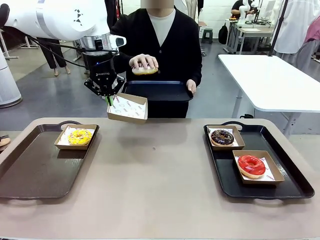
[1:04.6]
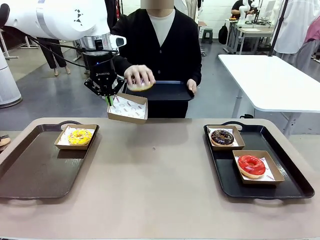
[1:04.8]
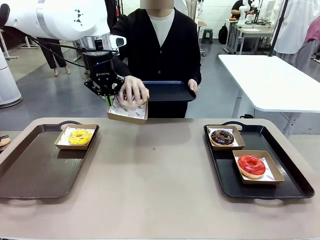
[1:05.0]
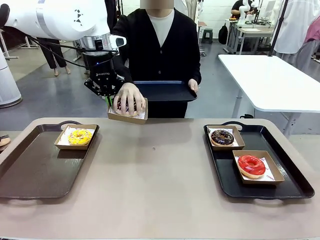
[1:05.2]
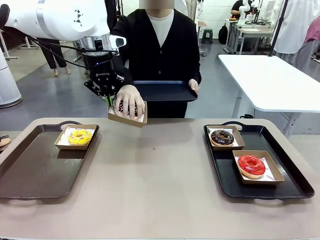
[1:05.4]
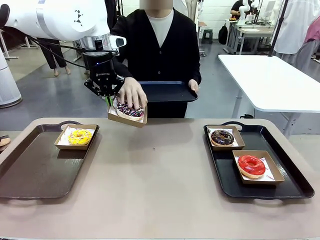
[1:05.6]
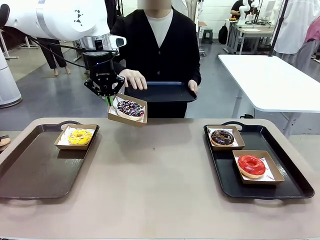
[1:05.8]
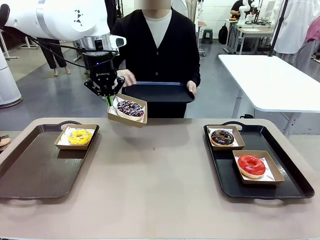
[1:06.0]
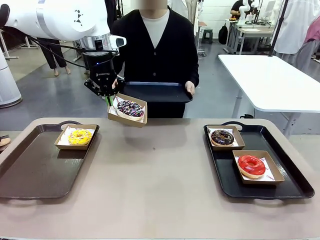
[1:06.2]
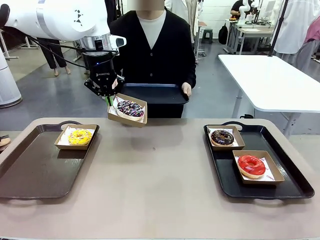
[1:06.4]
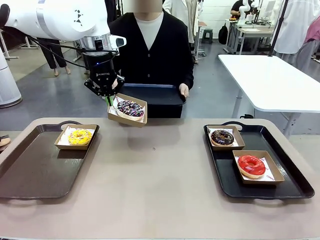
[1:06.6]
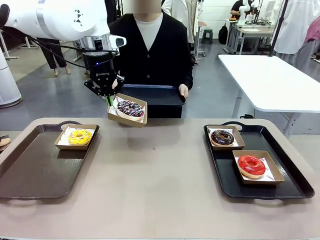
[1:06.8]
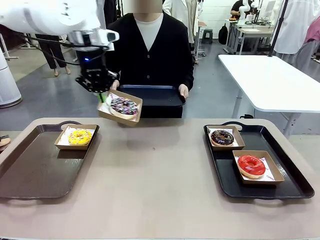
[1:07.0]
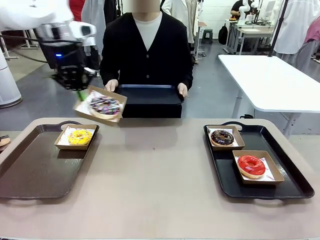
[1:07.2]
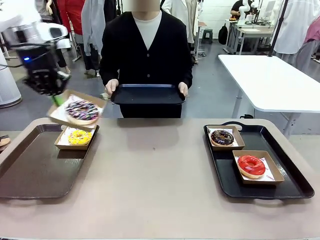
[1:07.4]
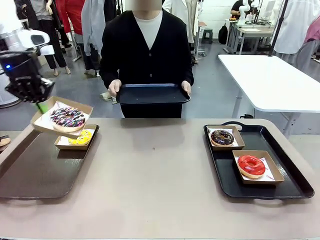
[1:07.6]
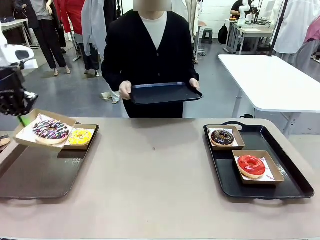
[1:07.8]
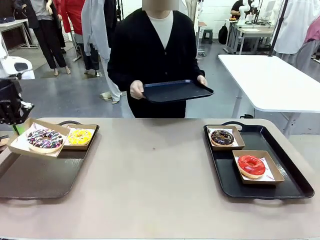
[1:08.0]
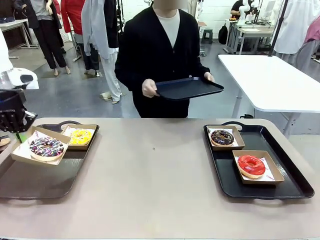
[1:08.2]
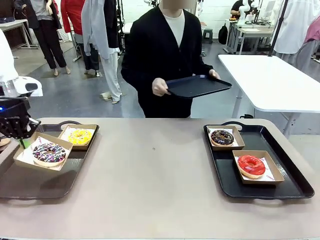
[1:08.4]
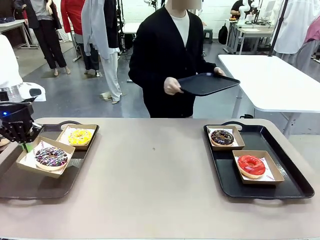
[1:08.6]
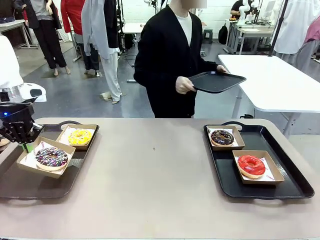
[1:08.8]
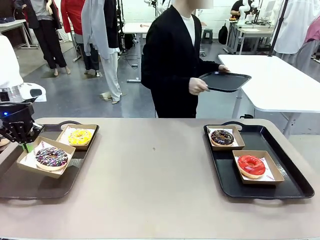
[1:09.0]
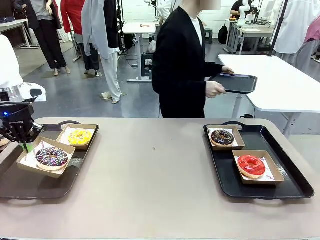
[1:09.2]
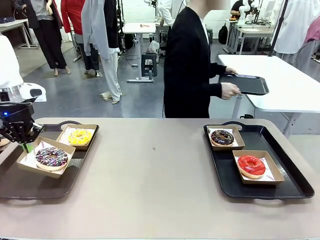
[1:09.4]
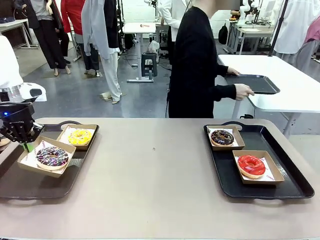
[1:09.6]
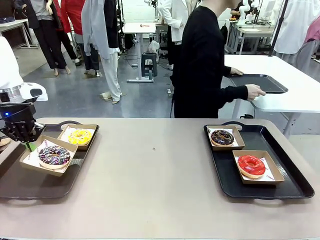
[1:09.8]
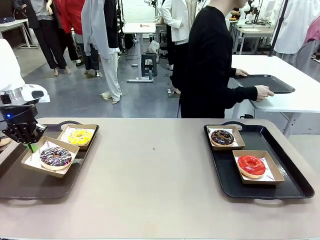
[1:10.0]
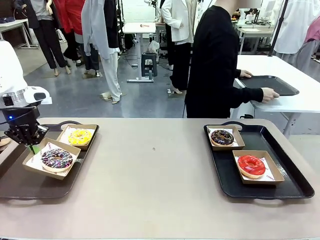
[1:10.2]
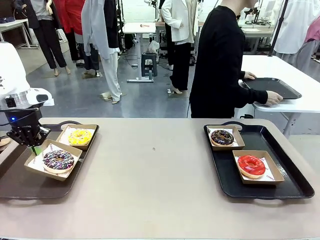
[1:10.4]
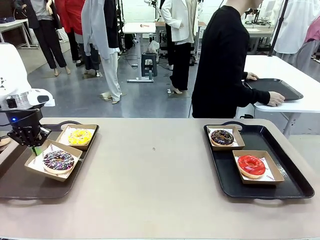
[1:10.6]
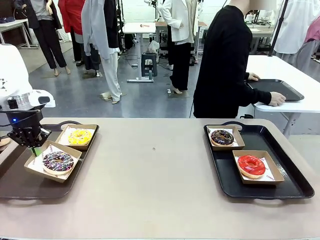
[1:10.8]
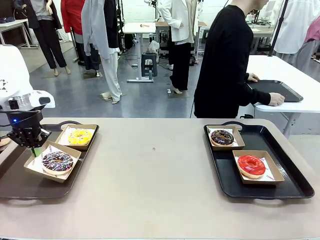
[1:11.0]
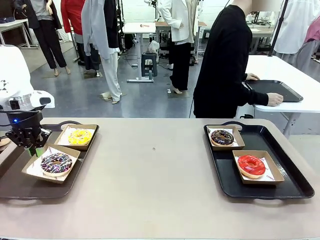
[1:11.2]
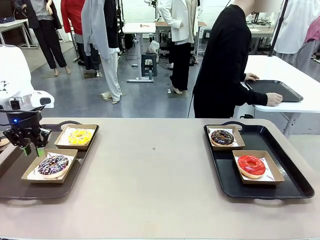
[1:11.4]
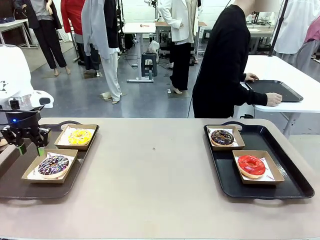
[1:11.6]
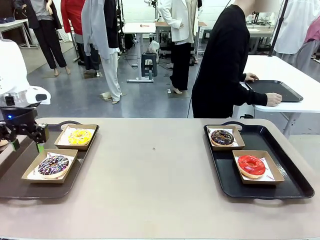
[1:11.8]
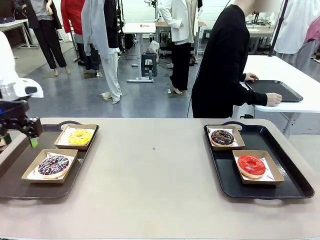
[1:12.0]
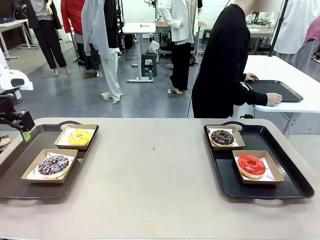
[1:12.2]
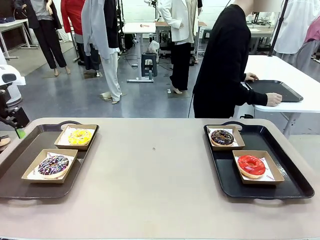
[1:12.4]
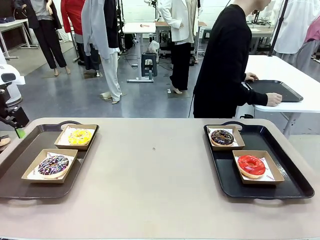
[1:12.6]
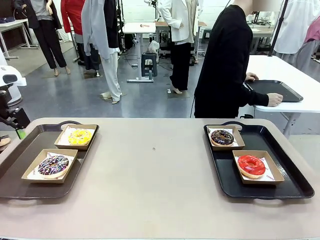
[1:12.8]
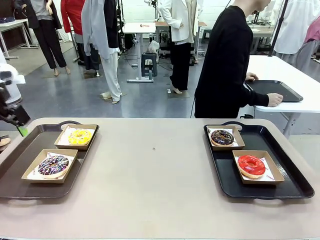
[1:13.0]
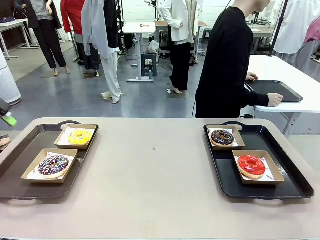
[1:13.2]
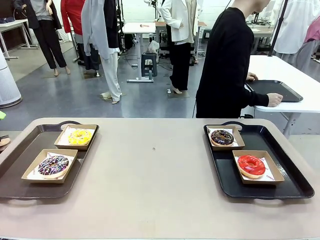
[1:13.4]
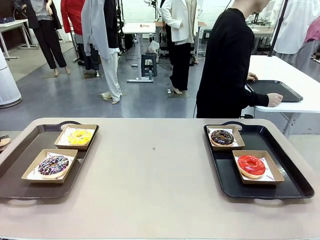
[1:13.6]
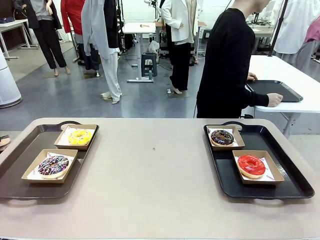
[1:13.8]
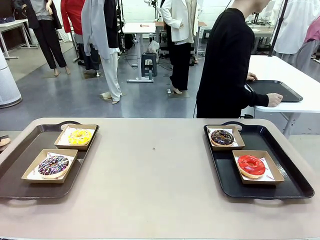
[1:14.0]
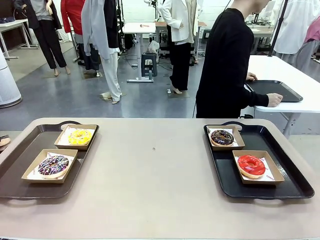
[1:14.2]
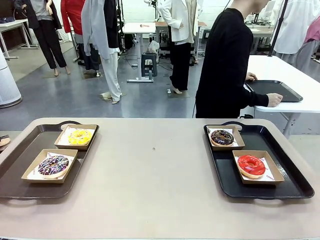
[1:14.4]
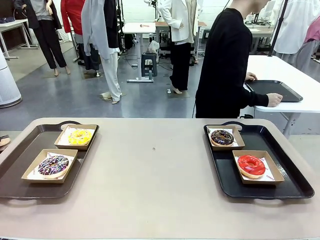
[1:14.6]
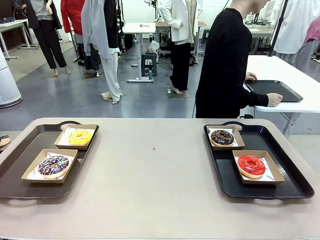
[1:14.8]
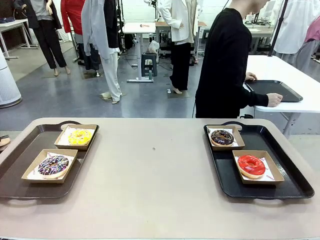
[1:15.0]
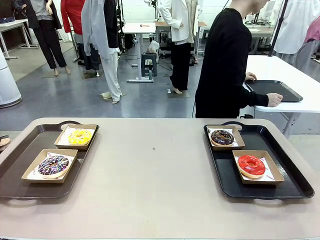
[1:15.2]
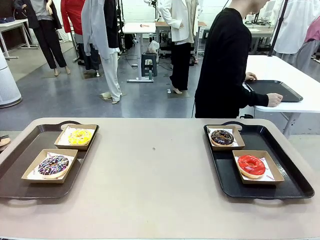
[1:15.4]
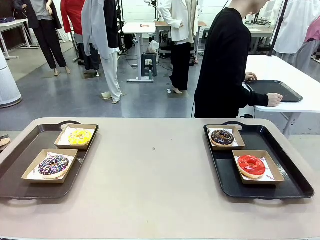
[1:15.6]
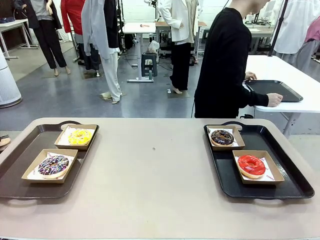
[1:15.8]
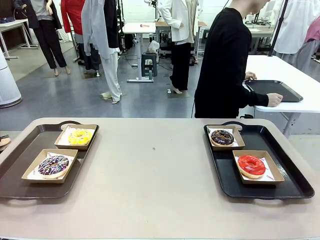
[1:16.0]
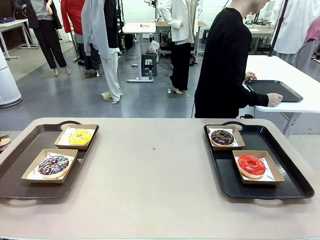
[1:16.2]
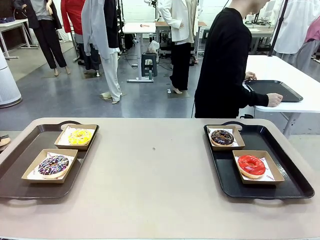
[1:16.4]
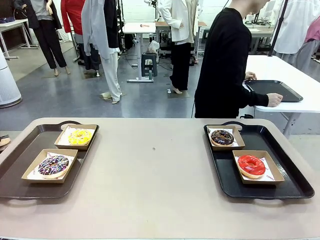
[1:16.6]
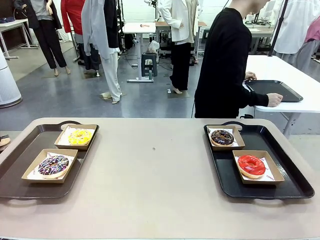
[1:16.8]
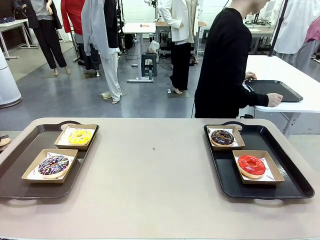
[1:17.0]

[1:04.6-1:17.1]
Task: Individually package the donuts and arrange them on the tray.
Robot: Place the picked Paper togo box on the Handle tray.
Person: Place the tray down in the middle of the human table.

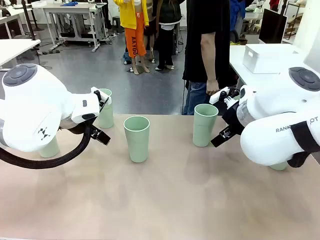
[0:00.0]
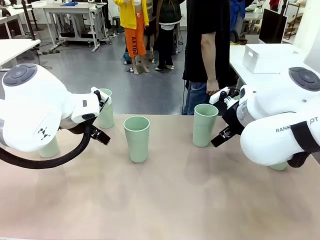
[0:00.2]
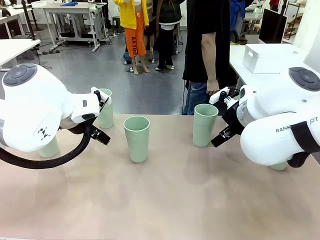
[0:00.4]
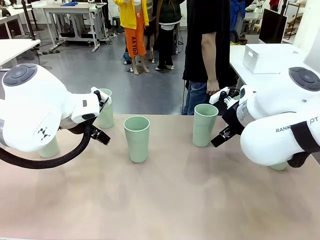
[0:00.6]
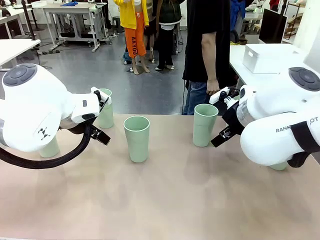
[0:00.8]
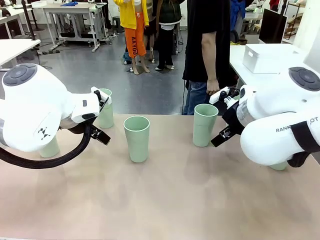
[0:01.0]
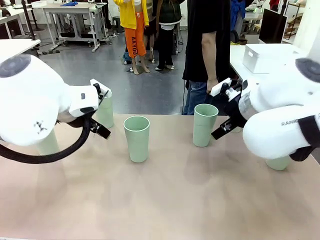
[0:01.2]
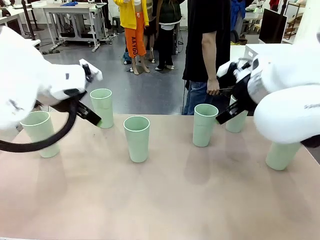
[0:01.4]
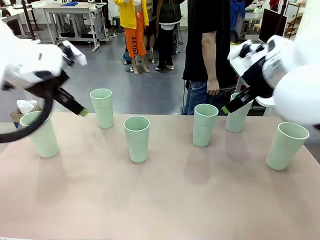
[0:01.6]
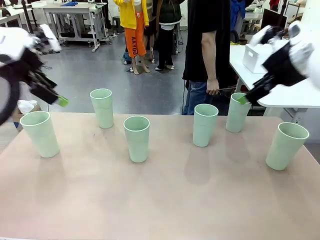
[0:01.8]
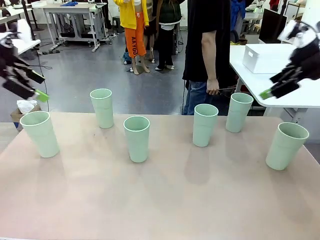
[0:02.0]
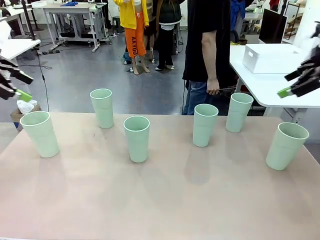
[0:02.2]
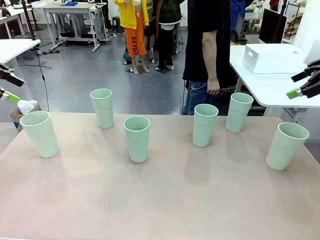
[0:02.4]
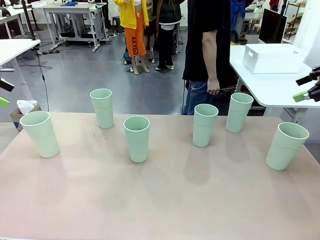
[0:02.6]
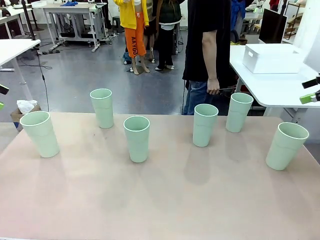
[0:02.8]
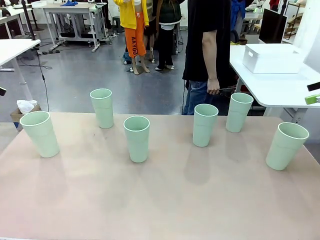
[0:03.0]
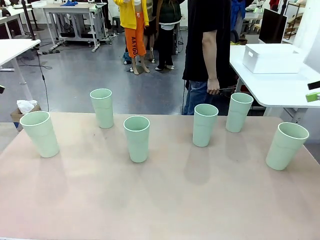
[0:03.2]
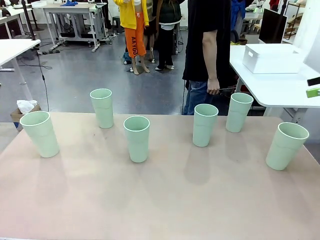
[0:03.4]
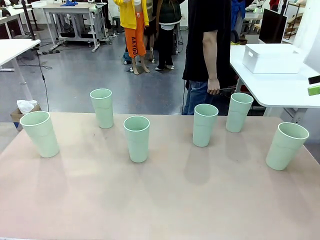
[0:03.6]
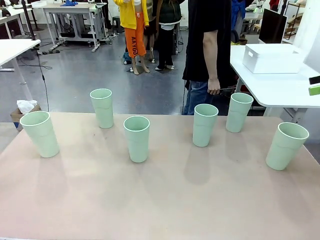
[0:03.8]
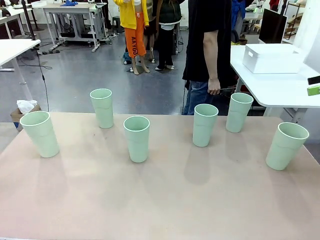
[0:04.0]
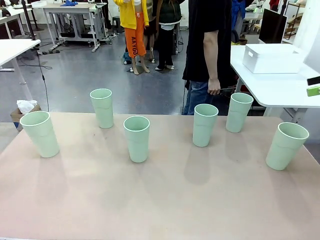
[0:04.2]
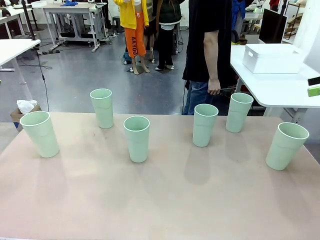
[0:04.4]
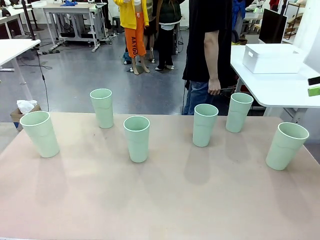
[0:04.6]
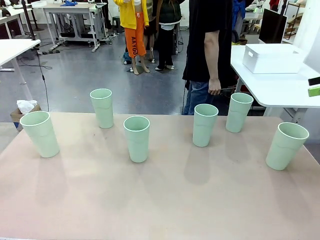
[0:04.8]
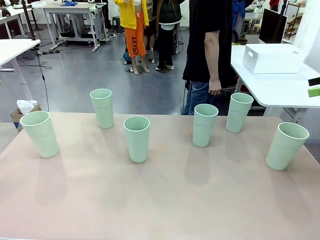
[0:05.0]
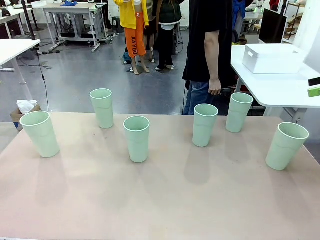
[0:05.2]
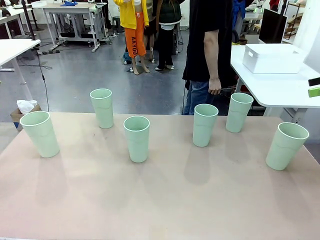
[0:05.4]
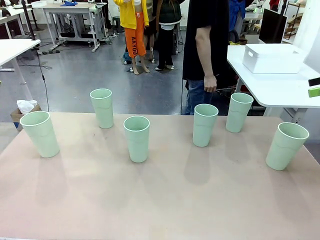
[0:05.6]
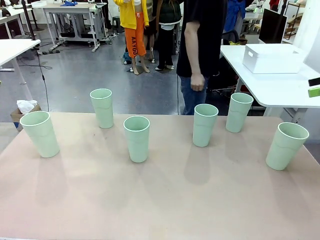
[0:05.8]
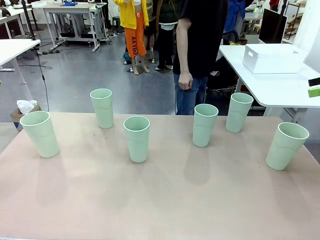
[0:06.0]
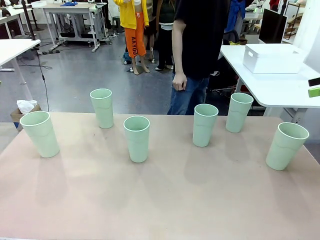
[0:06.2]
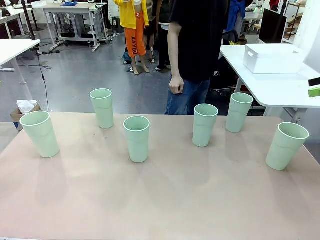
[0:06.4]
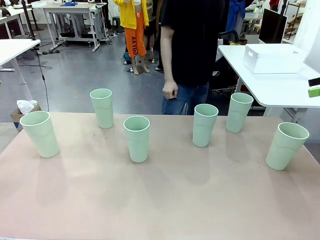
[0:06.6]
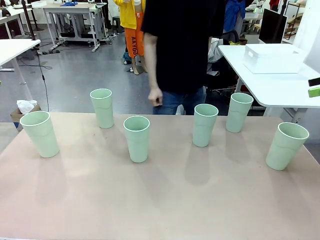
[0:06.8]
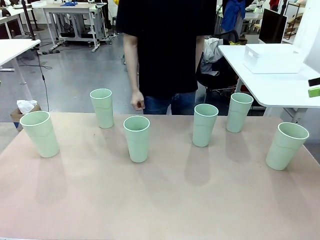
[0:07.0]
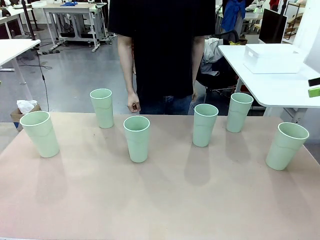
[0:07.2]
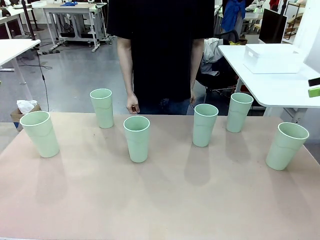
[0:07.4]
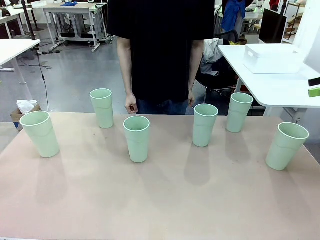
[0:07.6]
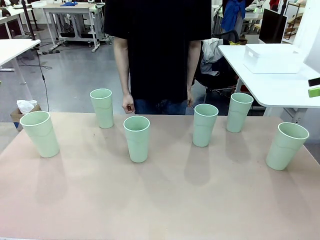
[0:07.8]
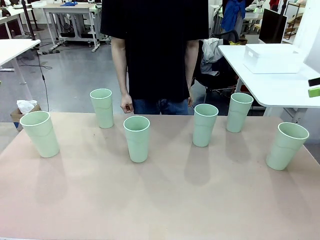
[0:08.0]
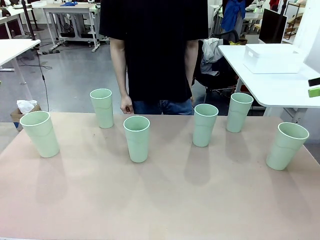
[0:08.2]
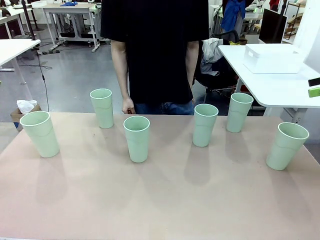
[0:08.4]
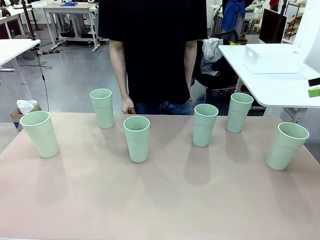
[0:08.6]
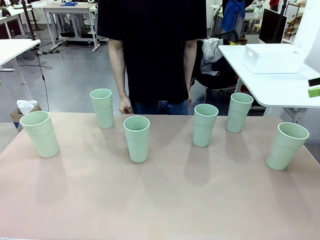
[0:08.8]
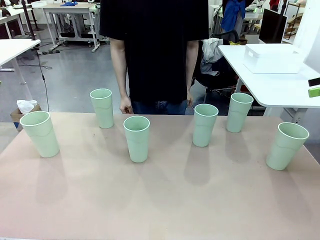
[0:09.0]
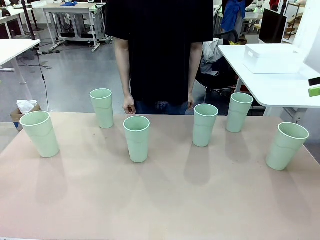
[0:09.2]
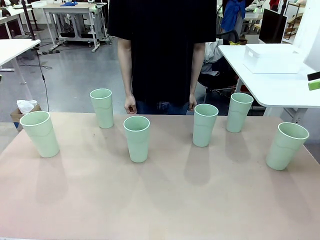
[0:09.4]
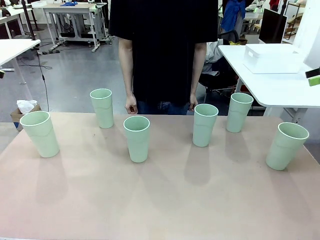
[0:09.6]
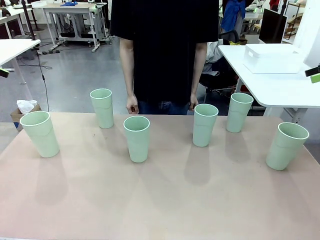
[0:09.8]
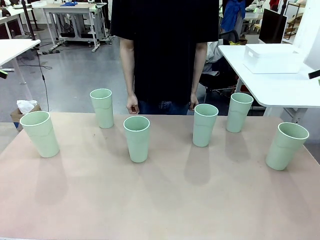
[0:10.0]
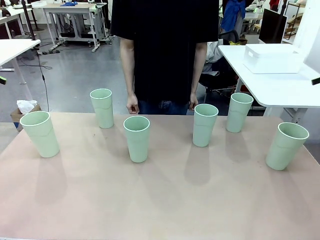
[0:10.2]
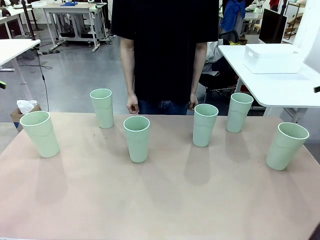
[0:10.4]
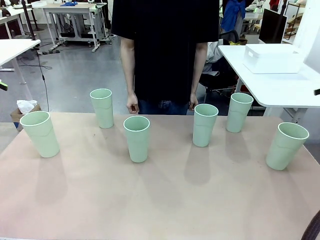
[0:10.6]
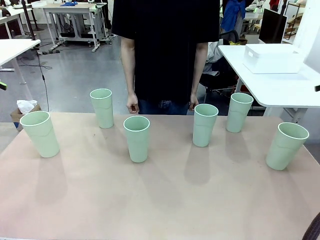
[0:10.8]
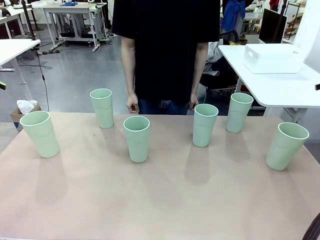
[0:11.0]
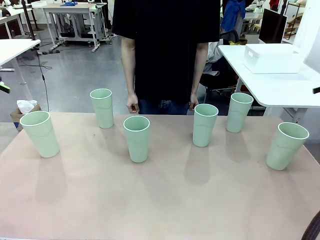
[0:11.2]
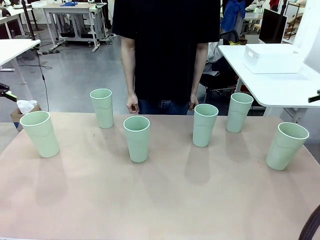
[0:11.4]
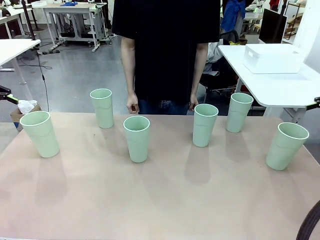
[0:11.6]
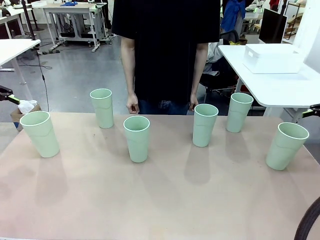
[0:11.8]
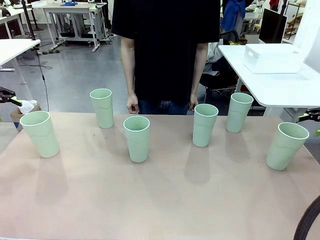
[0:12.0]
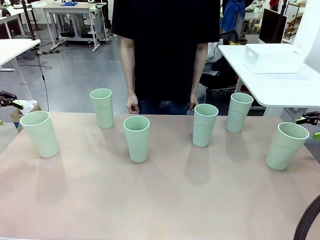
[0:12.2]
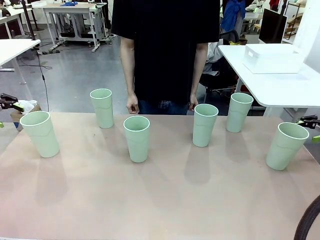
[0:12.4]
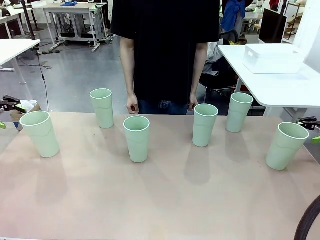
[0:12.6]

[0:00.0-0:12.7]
Task: Stack the cups and store them in the basket.
Robot: Pick up two Reusable plastic cups , one in each hand.
Person: Move from the Human Table to the front of the Robot Table.
